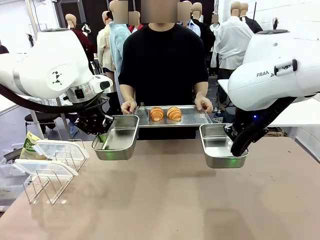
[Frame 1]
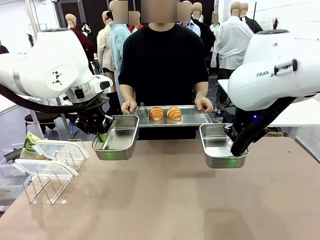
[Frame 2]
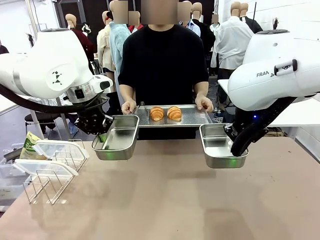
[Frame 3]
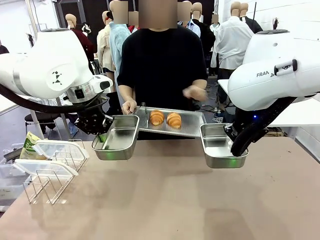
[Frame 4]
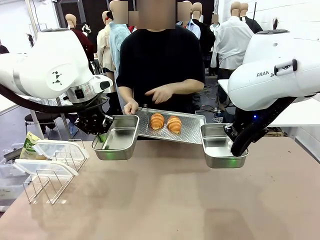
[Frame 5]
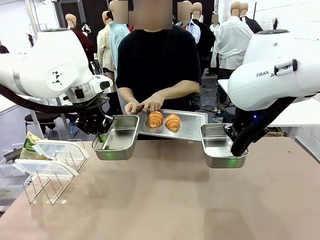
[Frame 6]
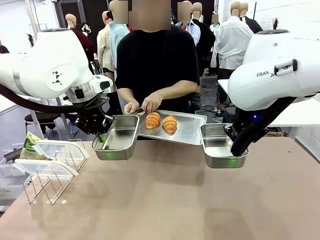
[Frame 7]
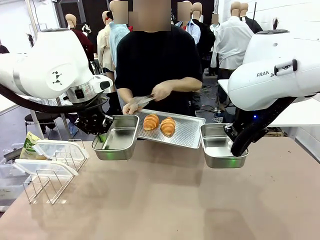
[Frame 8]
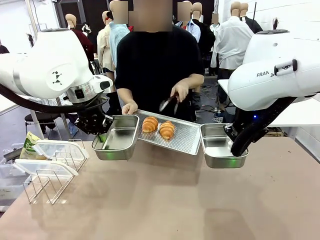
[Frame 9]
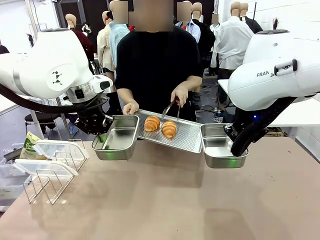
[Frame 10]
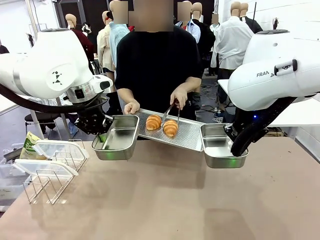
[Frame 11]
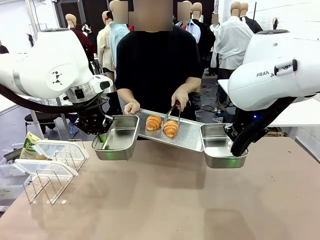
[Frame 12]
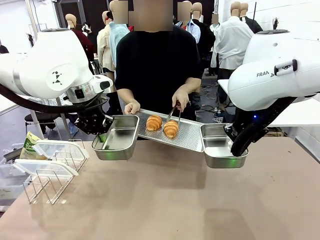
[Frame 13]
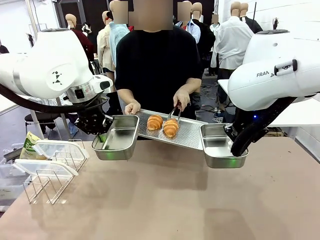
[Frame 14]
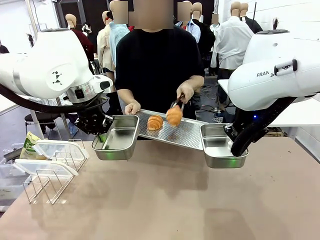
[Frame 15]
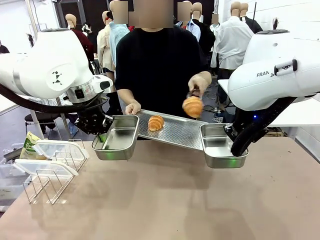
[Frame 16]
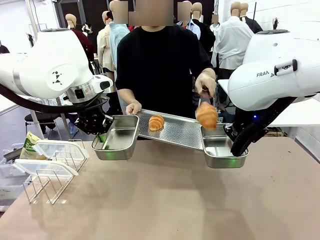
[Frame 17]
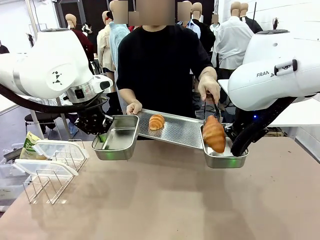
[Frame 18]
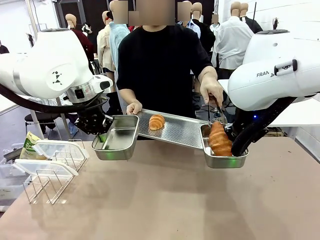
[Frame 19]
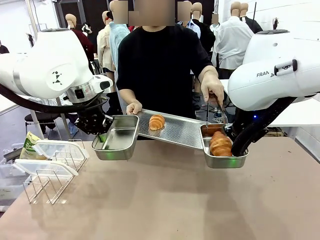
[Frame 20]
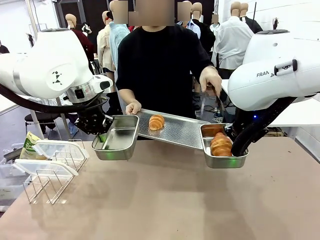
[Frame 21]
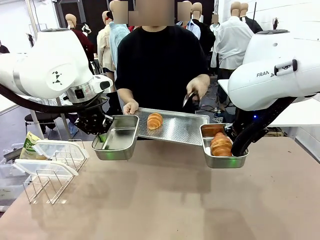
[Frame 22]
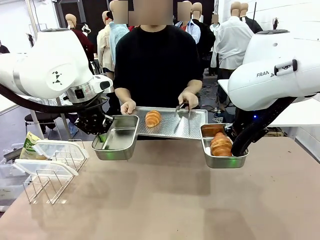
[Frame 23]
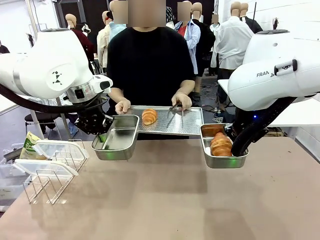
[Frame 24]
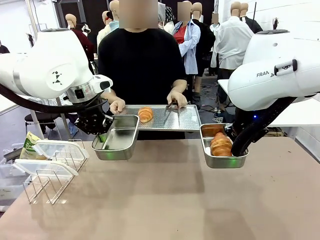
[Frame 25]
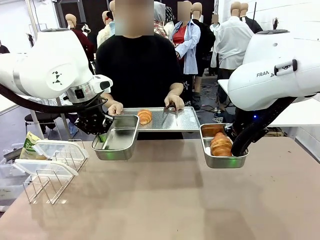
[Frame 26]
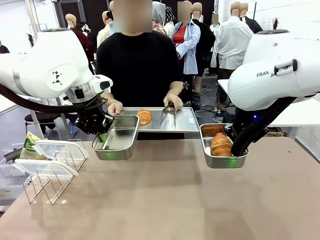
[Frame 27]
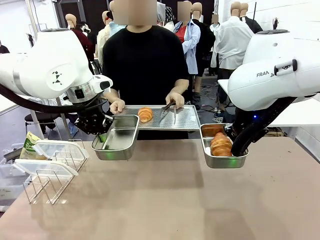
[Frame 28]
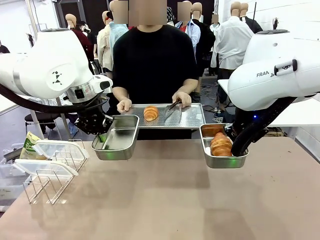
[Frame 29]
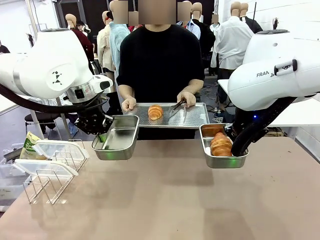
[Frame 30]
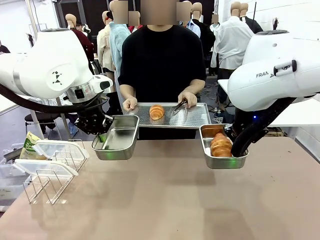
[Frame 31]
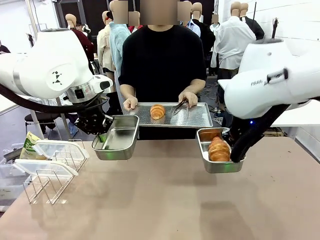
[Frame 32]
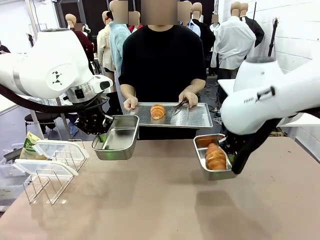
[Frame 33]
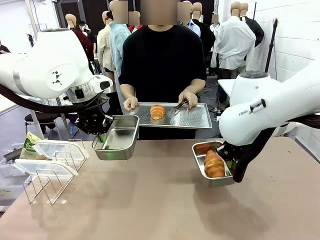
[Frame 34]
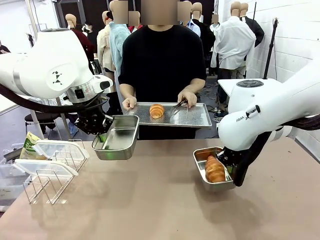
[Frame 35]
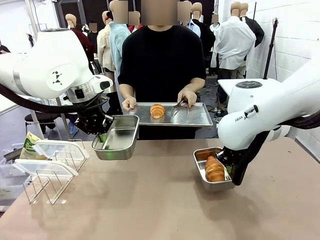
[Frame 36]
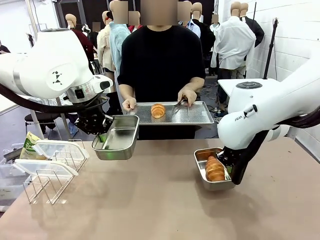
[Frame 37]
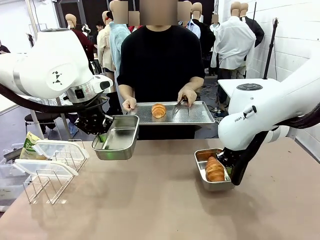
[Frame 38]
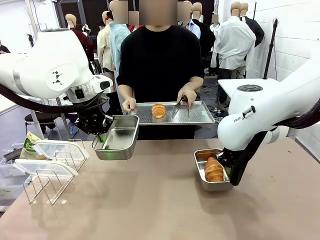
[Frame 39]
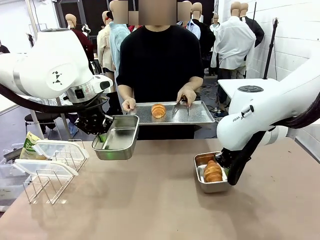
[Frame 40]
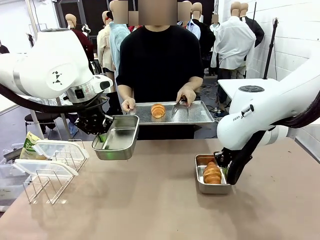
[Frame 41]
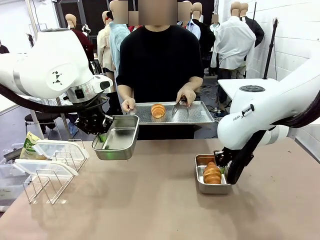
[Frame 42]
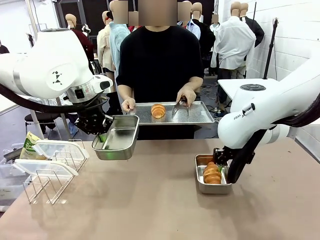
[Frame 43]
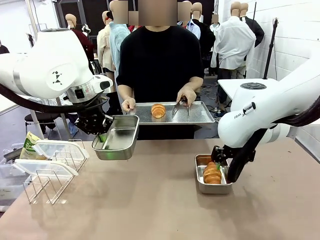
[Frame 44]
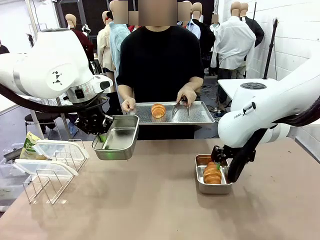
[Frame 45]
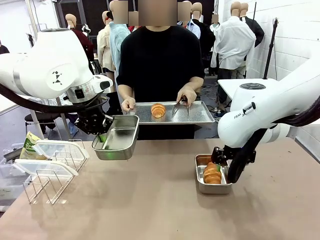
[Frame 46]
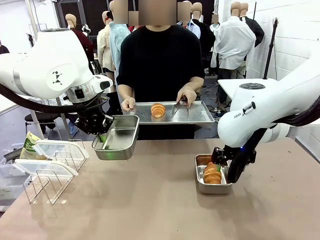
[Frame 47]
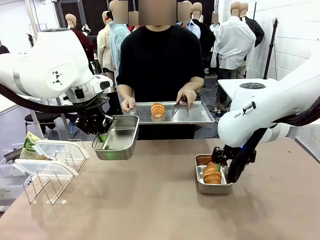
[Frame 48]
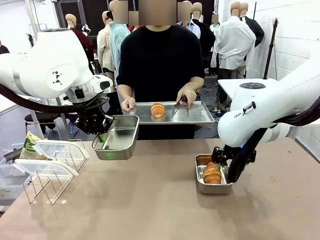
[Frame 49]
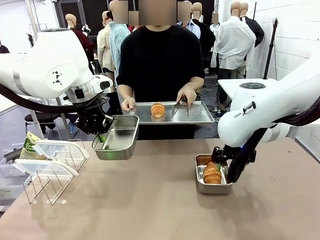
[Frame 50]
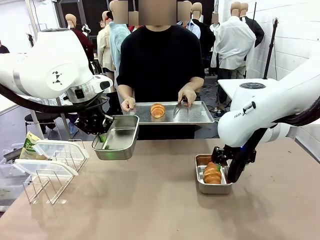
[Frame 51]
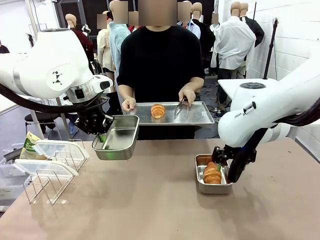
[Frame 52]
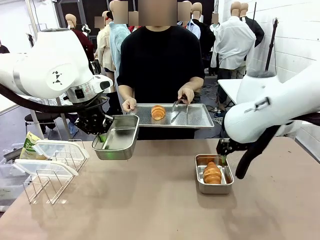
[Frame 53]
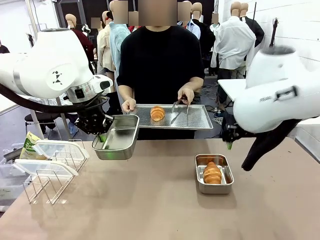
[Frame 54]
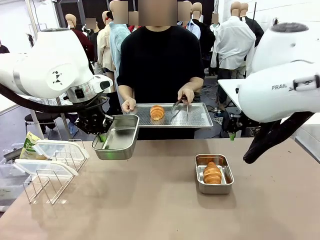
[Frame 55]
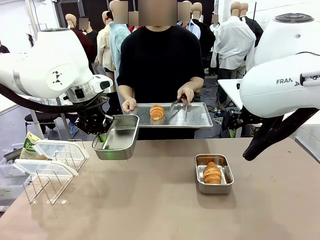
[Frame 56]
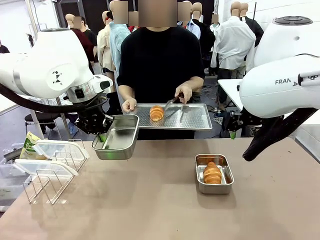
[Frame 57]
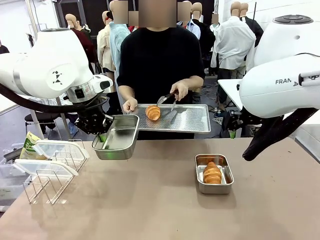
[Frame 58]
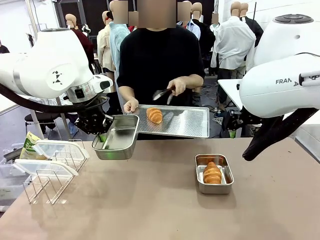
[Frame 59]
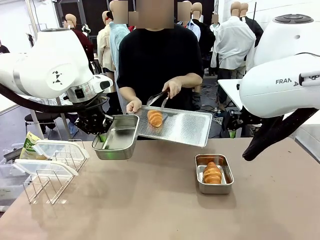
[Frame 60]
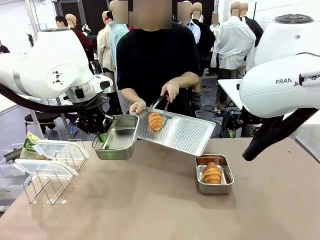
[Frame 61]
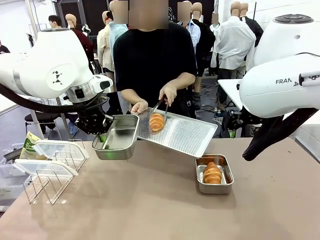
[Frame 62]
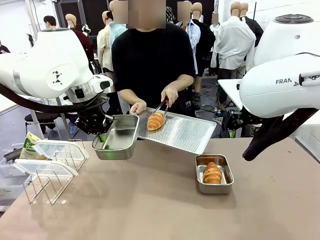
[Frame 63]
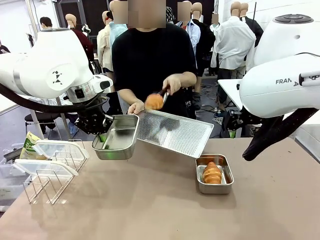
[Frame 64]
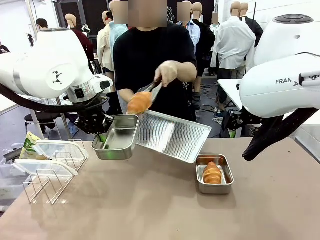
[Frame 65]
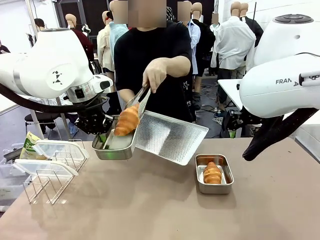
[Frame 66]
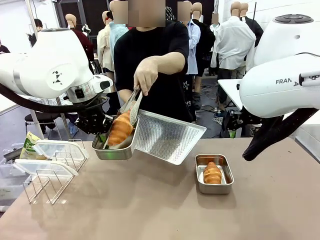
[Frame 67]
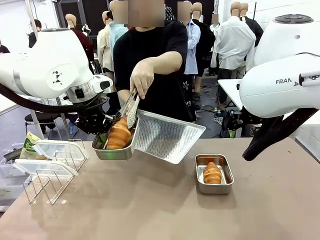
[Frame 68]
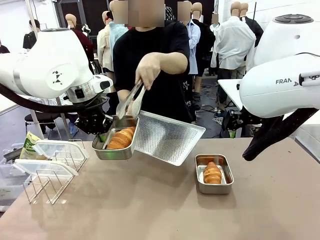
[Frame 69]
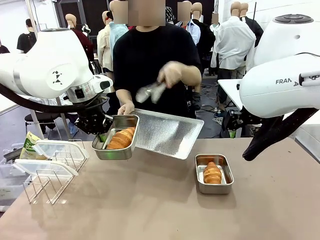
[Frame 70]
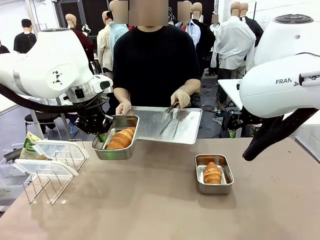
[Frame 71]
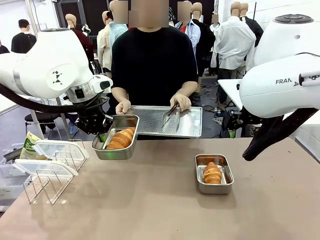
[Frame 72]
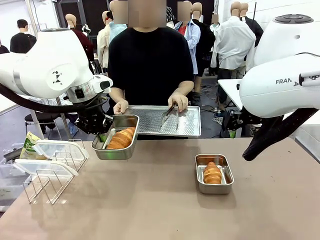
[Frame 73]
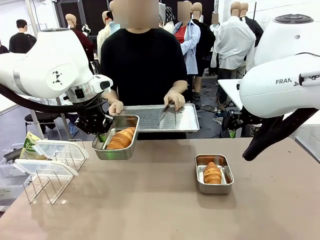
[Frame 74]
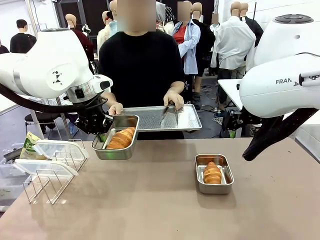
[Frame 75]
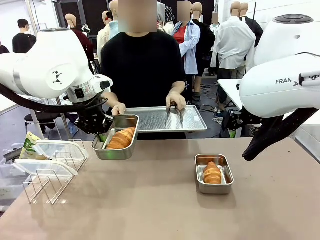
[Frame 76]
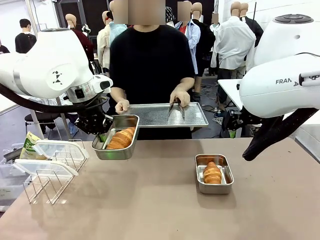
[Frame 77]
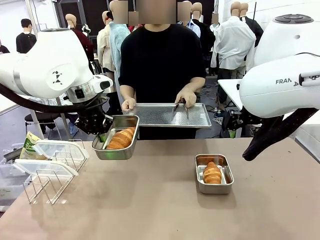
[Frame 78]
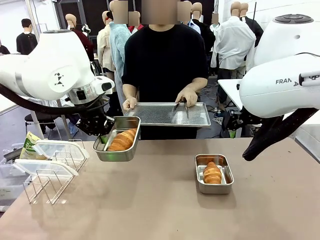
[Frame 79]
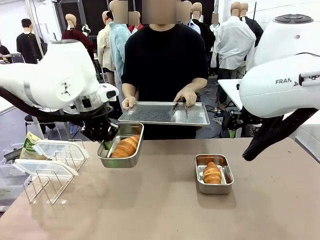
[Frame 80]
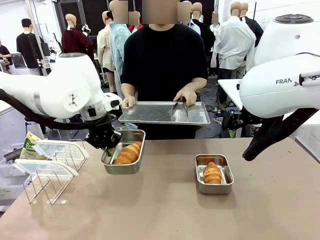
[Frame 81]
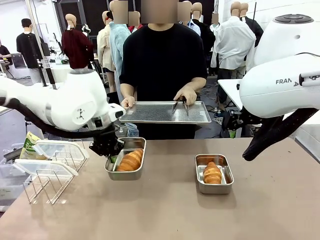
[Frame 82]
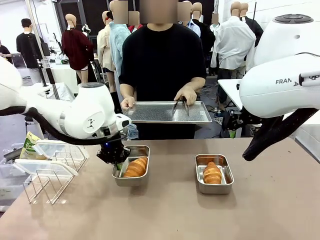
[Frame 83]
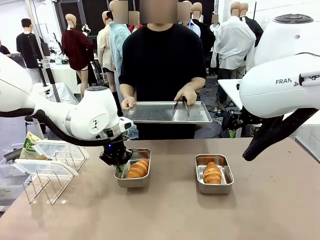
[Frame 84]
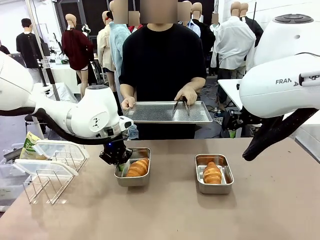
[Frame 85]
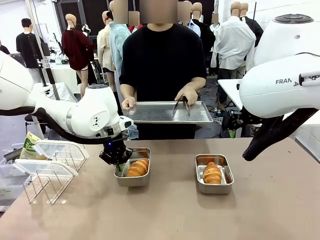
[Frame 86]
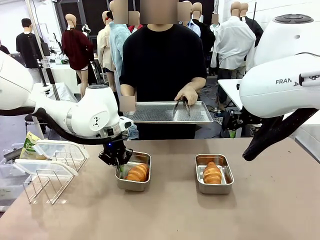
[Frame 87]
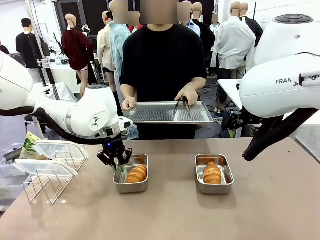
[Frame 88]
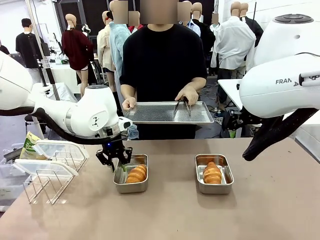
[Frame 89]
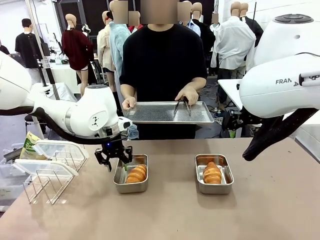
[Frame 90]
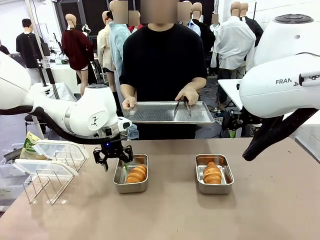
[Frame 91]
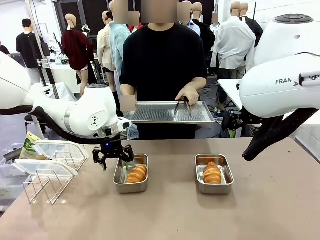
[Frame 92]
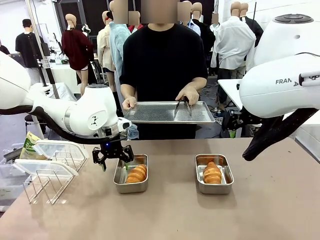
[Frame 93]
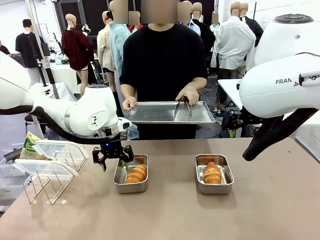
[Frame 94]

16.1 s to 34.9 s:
Task: Place the bread in airtight containers.
Robot: Once an object is inside an Airtight Container , place the container in the center of the table.
Person: Use the Stainless steel tongs to place one object from Baking Sheet into one Airtight Container.
